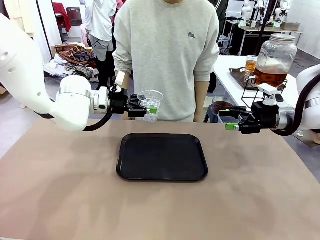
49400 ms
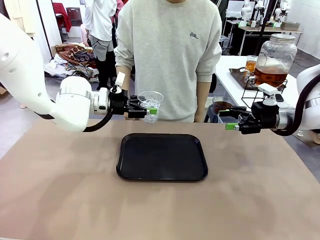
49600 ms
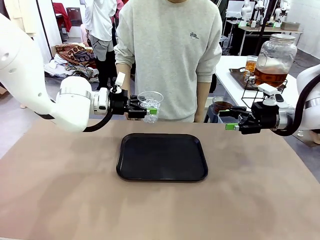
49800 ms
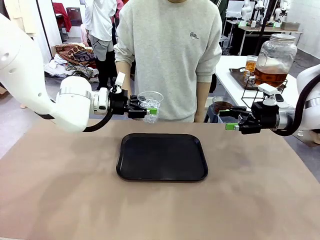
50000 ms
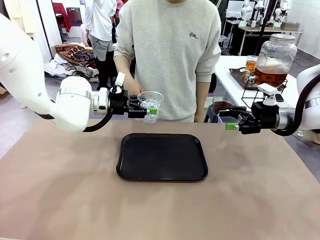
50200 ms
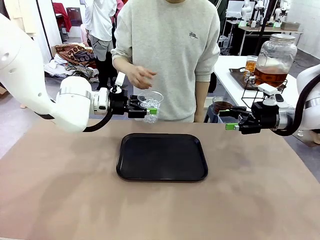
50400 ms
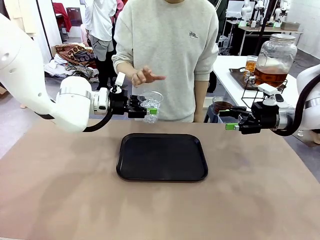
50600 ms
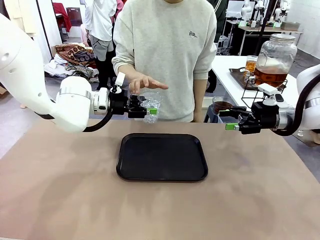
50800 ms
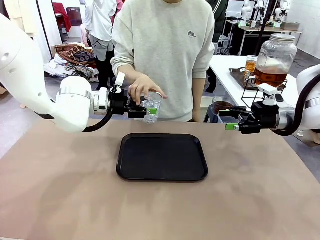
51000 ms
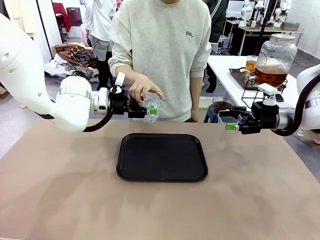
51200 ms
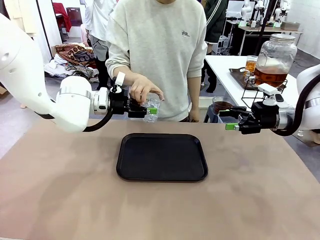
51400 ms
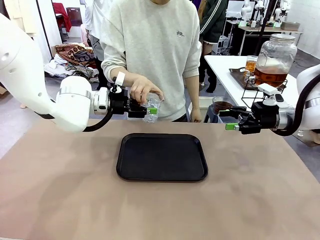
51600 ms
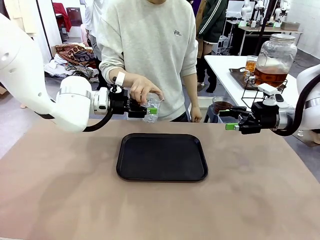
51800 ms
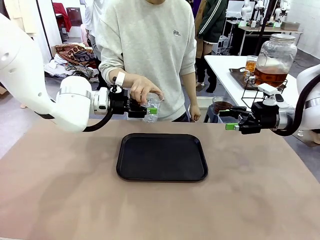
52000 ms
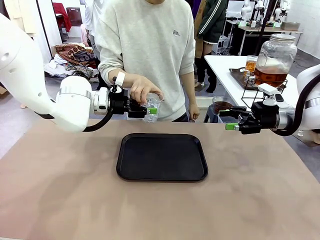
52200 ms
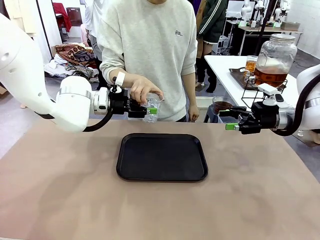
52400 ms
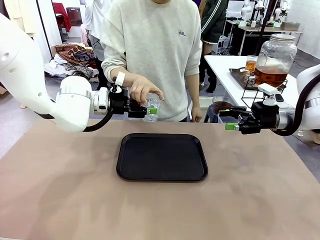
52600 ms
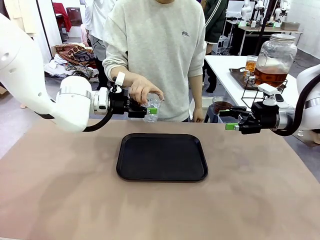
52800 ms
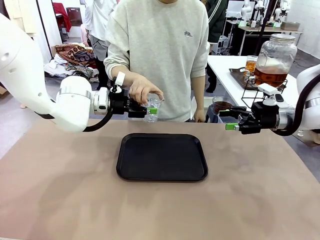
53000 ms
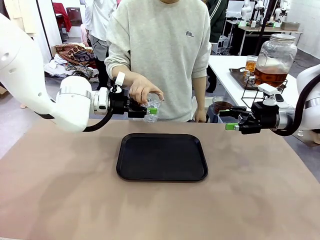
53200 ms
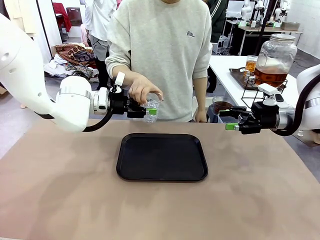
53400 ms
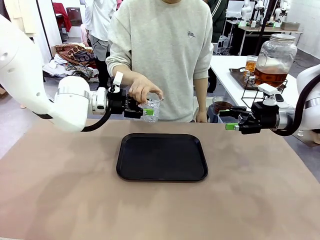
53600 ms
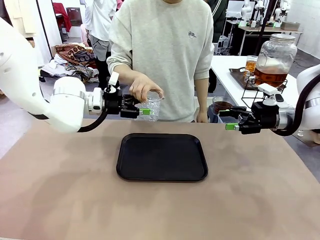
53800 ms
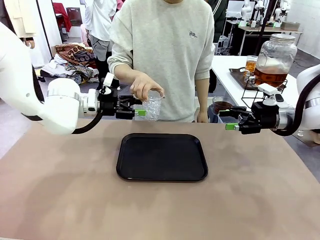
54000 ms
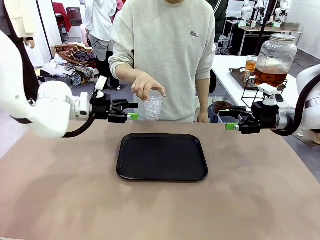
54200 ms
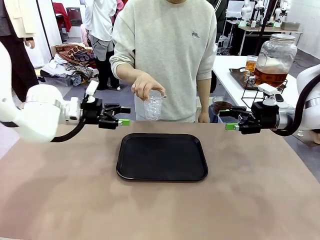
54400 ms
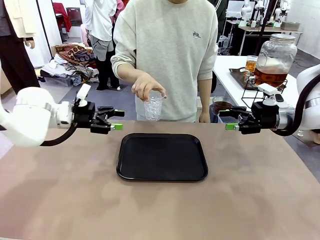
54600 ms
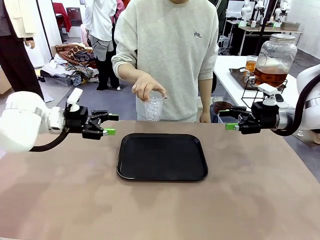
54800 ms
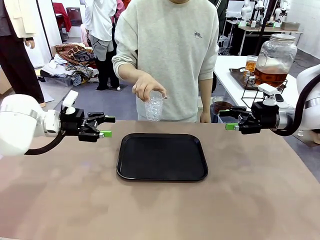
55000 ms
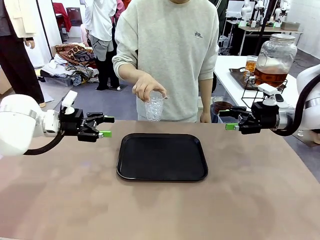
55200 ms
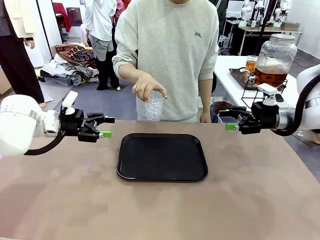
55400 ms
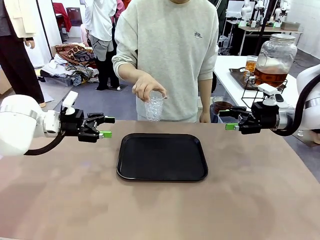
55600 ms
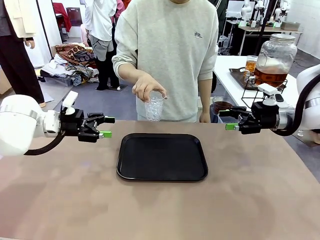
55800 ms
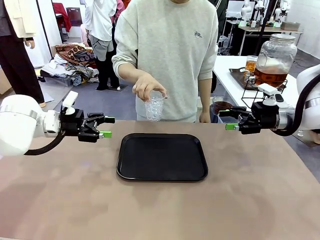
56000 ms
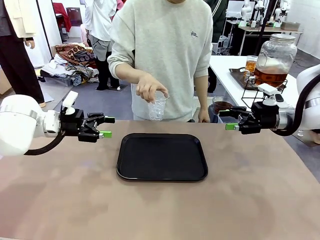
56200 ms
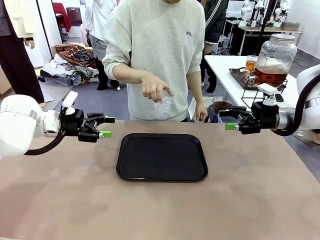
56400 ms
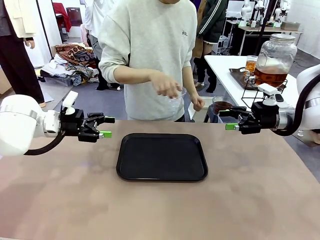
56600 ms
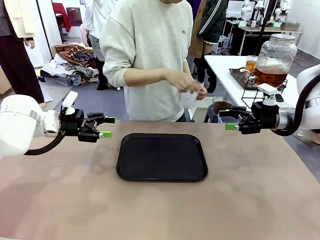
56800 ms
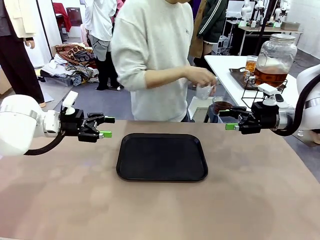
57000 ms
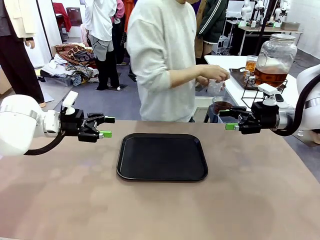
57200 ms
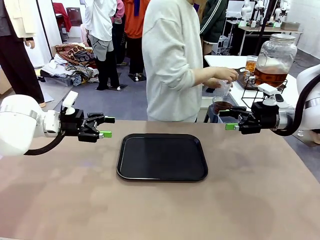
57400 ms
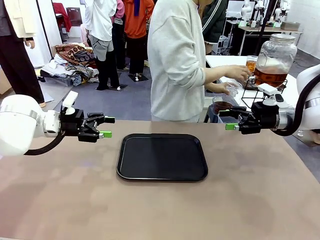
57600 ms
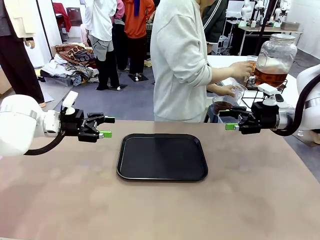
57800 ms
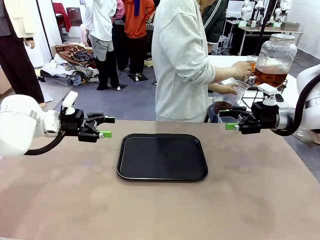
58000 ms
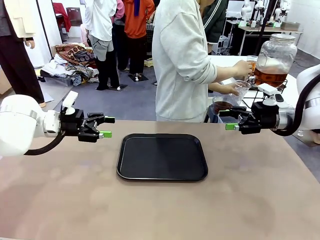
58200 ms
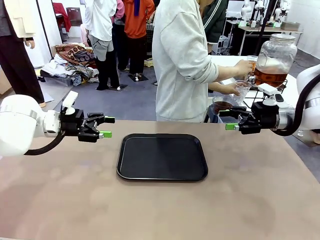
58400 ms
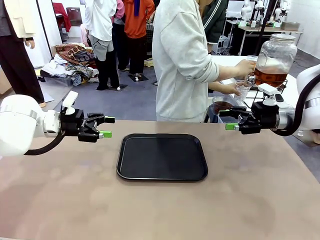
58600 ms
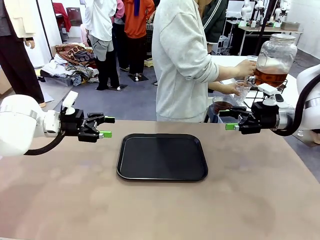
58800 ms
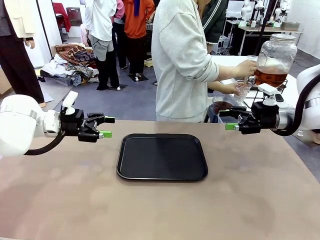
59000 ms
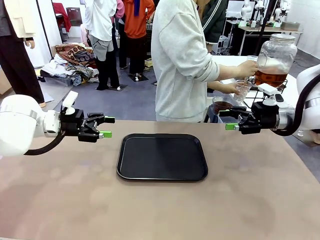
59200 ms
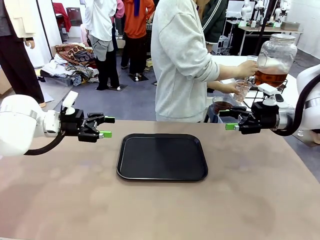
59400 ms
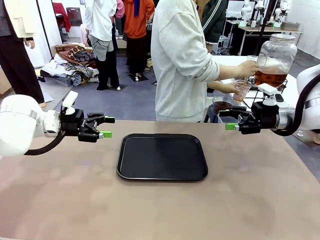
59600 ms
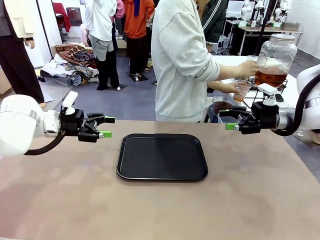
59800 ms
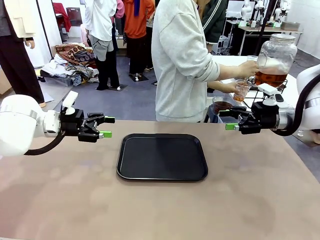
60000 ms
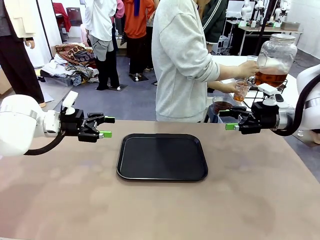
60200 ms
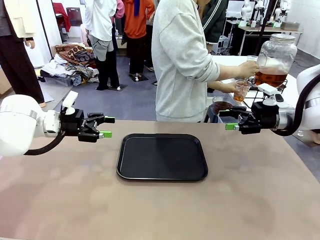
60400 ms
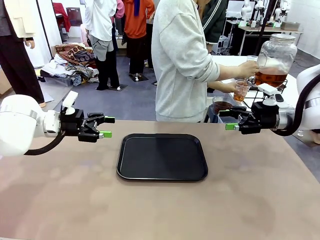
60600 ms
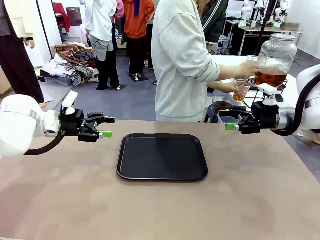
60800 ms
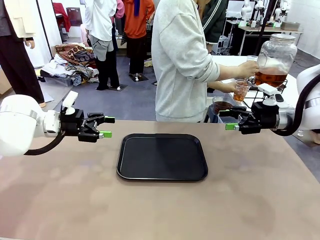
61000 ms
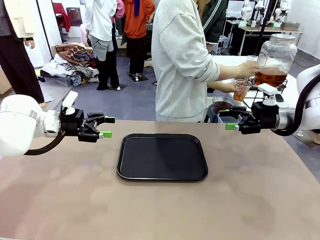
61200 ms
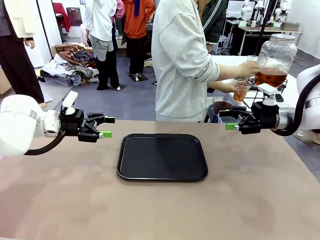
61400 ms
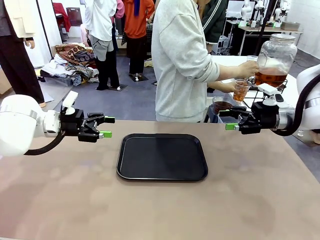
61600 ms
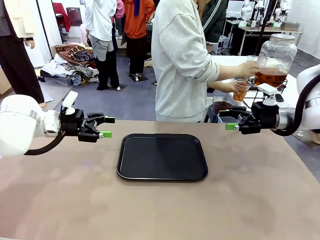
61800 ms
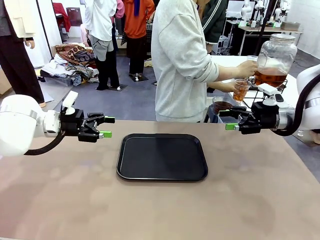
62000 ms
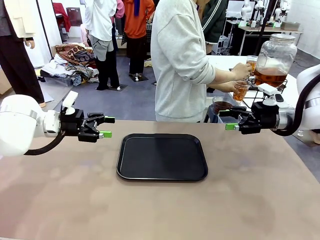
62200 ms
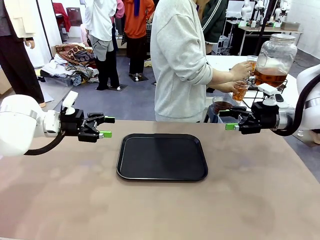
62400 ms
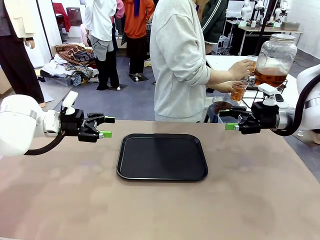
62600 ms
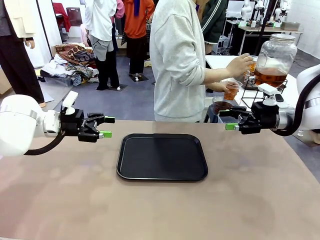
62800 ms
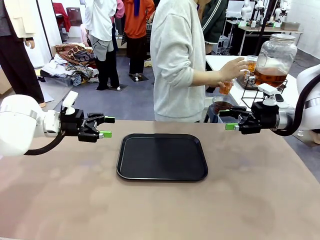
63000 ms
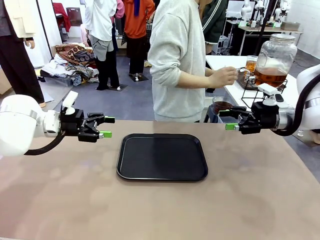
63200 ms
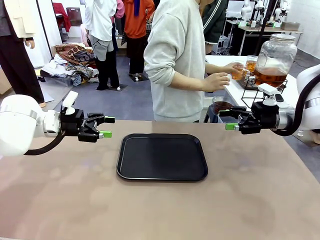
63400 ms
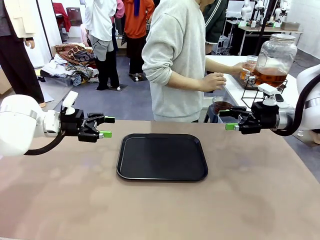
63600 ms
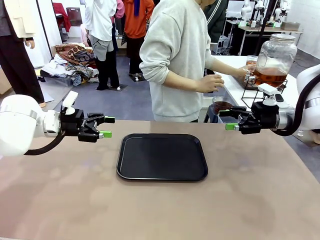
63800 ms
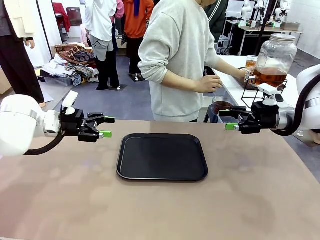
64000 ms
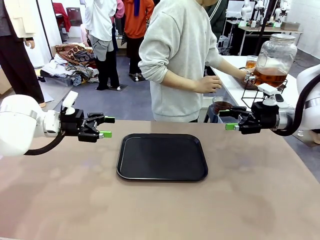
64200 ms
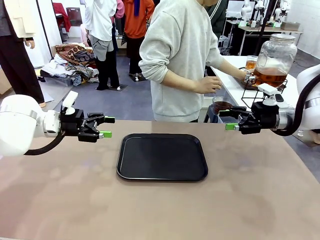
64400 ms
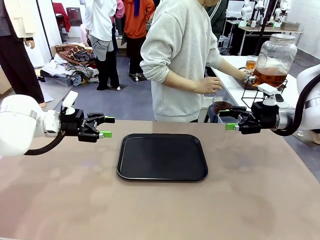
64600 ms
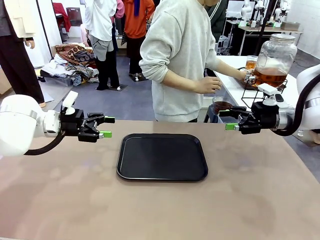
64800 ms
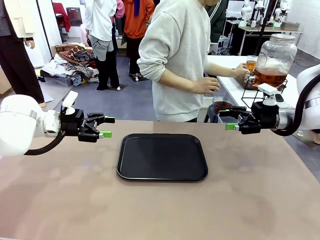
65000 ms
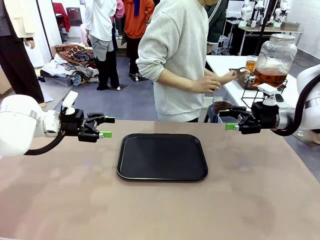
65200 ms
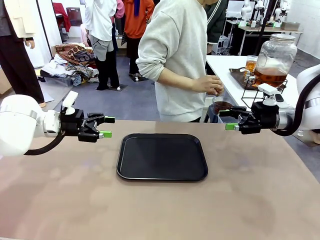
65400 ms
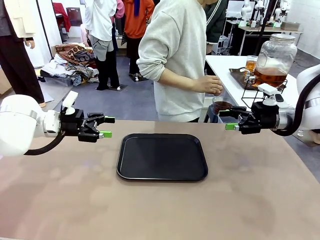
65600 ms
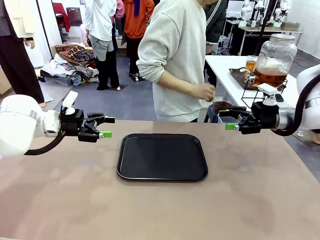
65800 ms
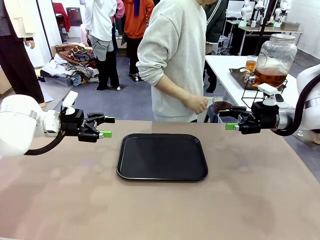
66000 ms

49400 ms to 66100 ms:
Task: Pour the drink into the iced cup.
Robot: Open the gripper to release the iced cup you were holding.
Person: Move the picked-up cup under the dispenser faucet, pour the drink, and place it on the tray on the human table.
